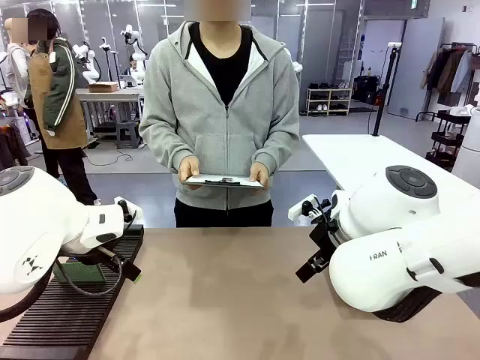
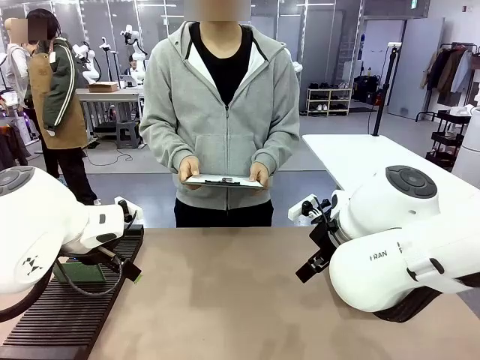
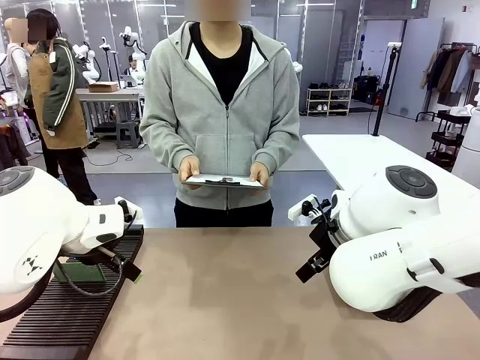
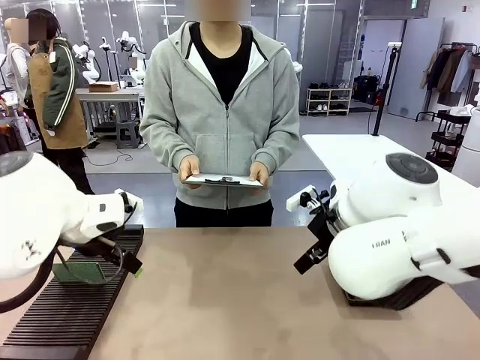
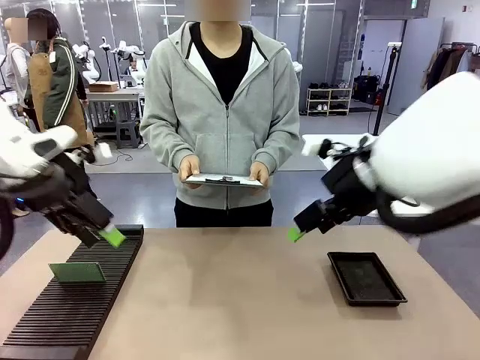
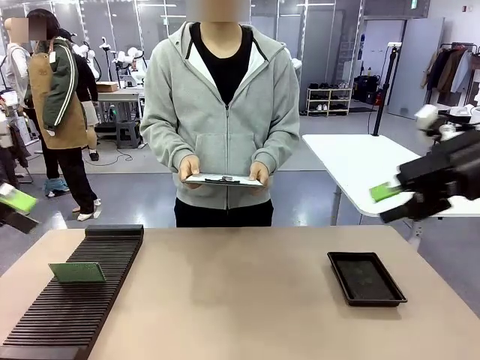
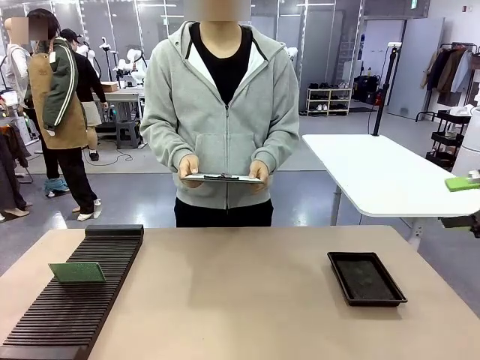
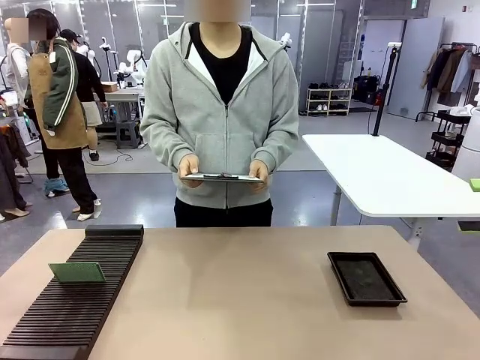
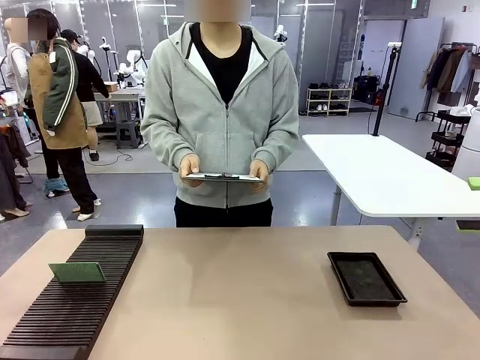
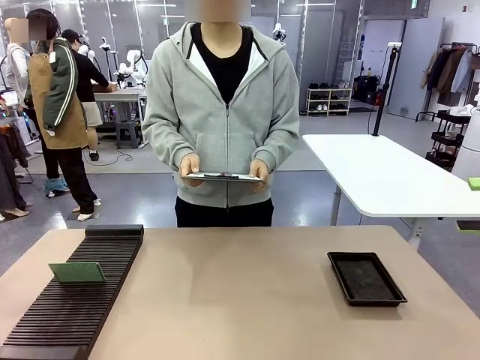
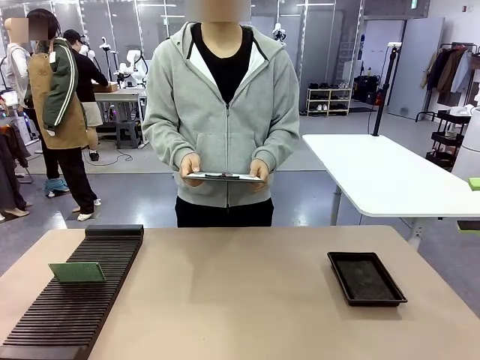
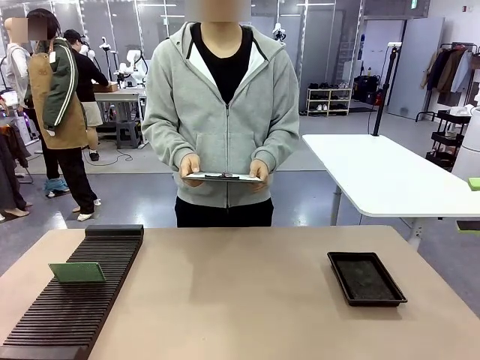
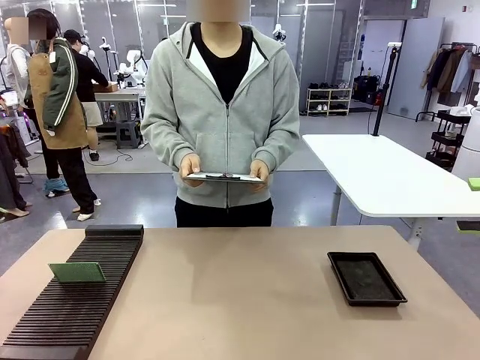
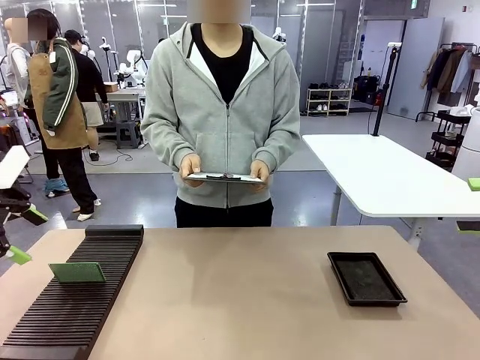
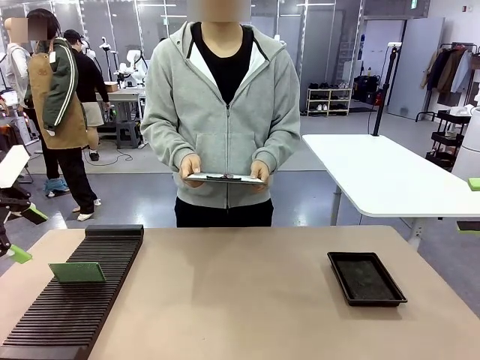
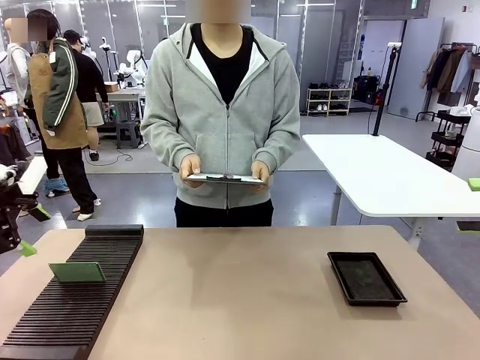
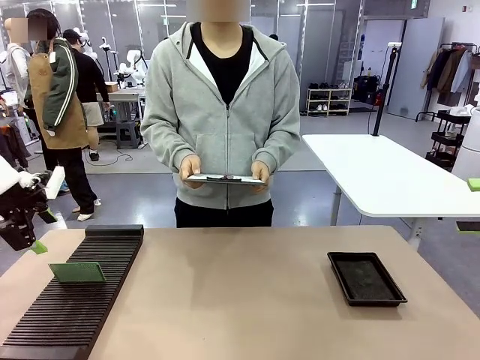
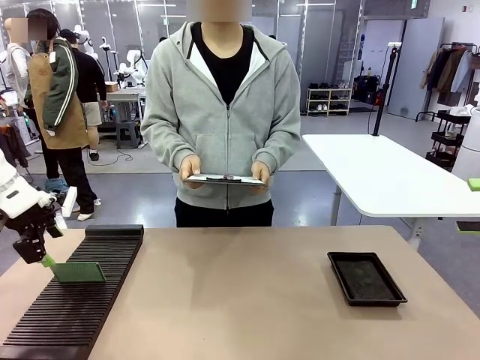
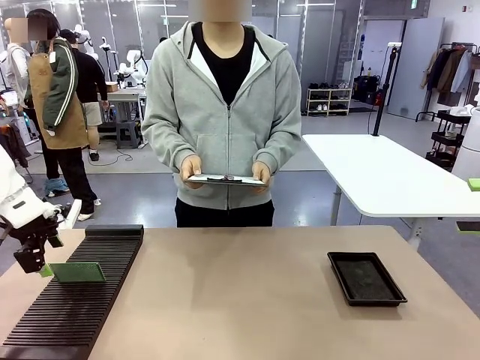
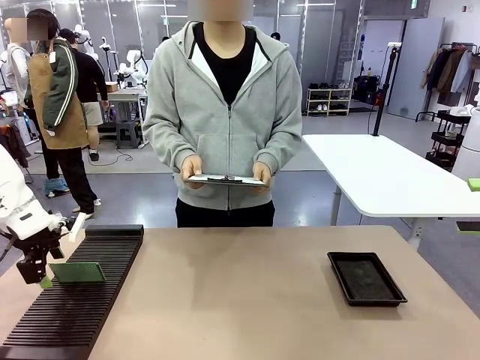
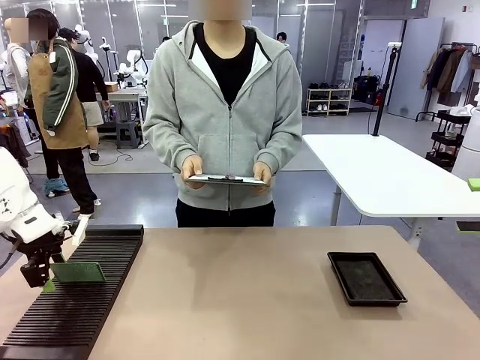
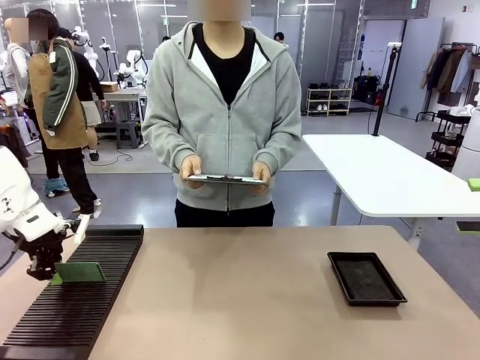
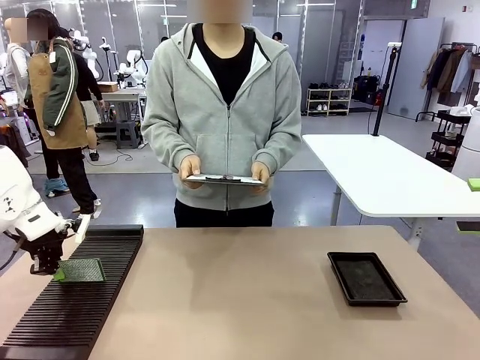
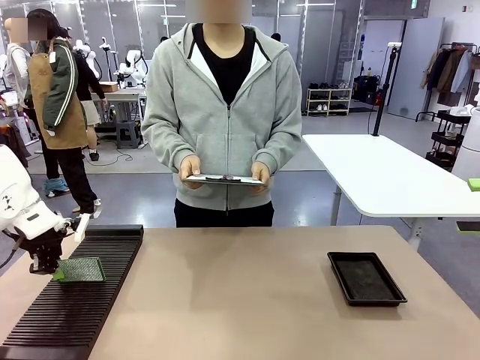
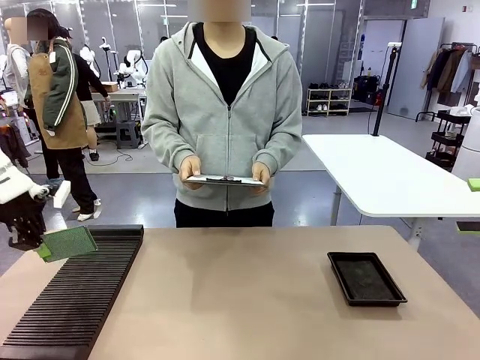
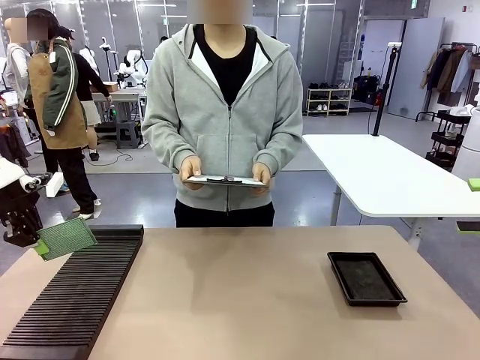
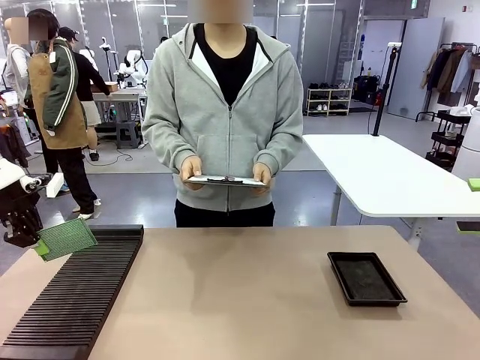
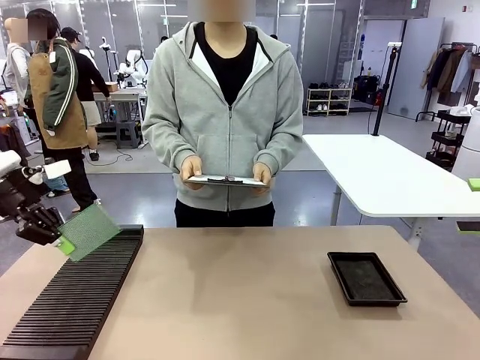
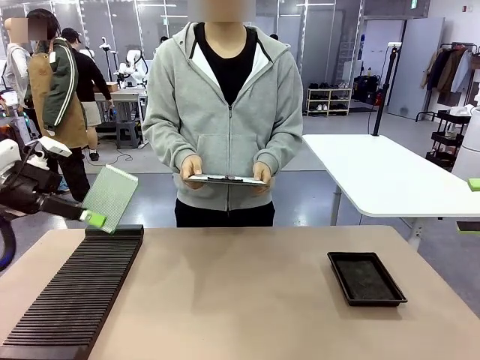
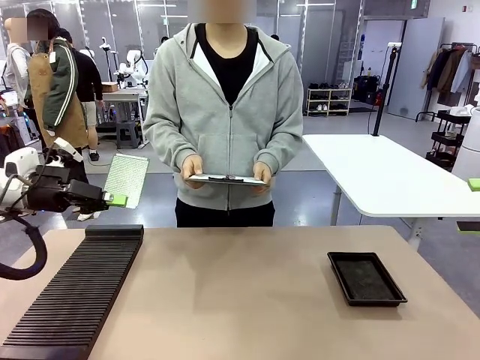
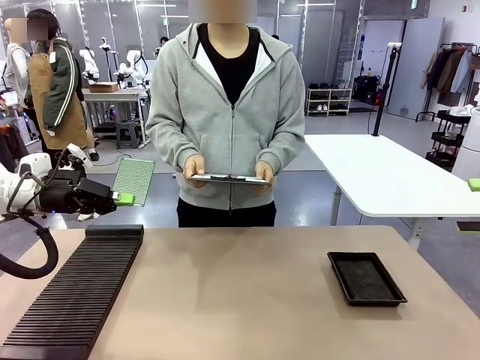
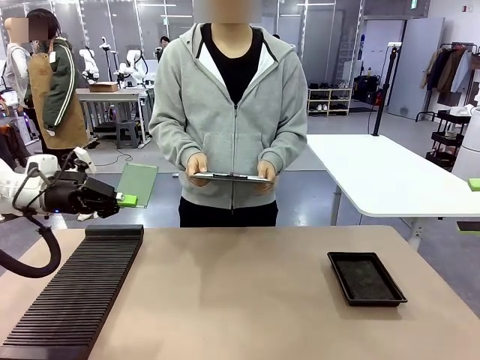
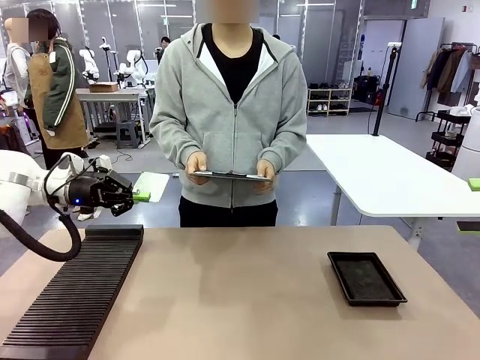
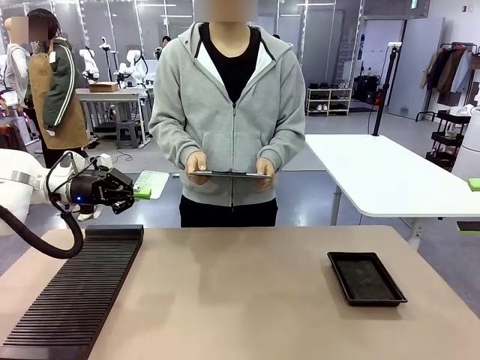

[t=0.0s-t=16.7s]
Task: Inspect the PCB.
Robot: Pick up the Blank PCB and present it to the human.
Person: Pick up the PCB presented by the robot.

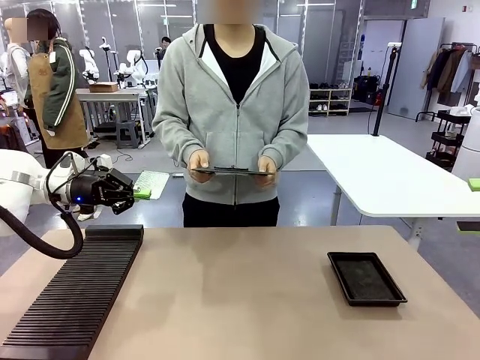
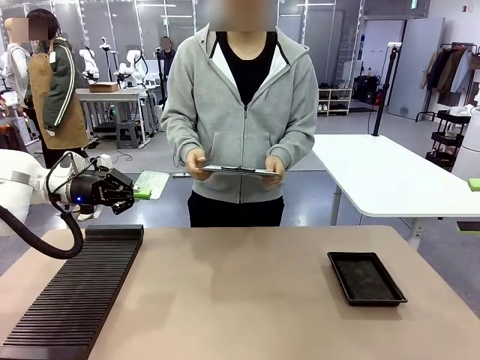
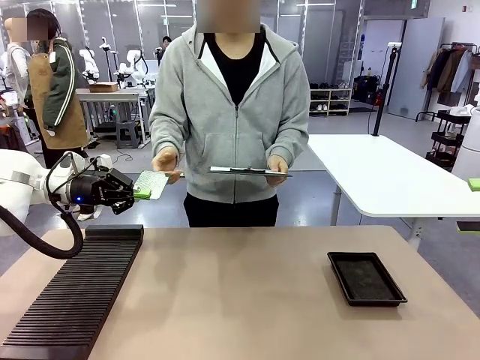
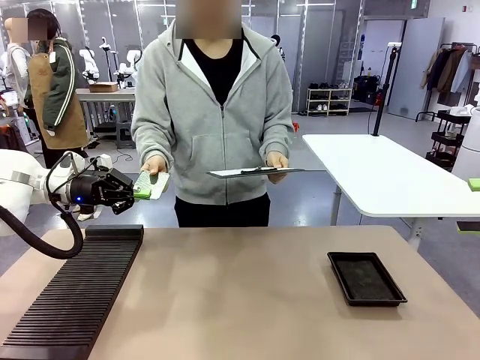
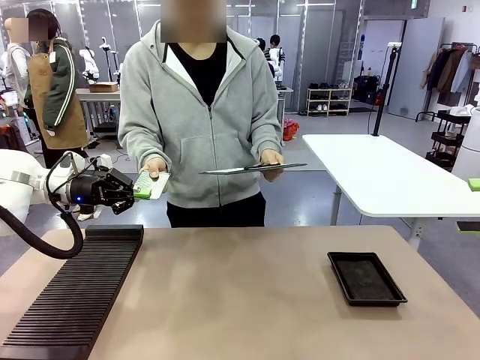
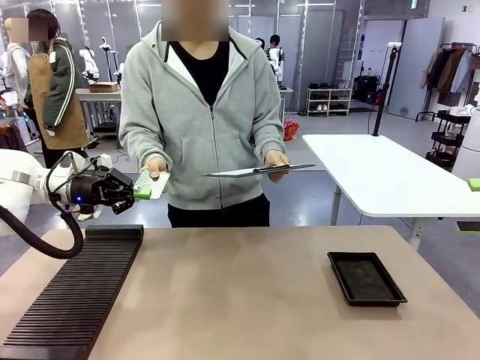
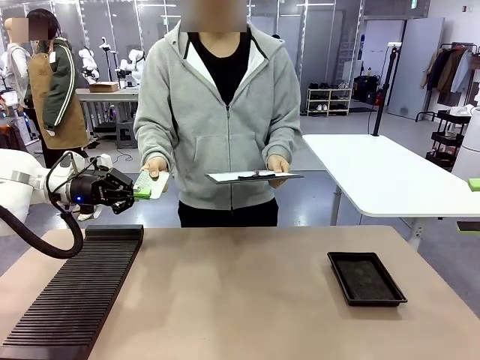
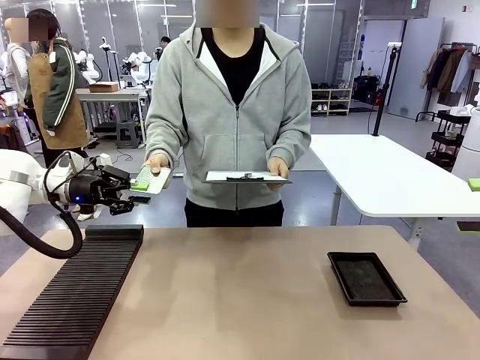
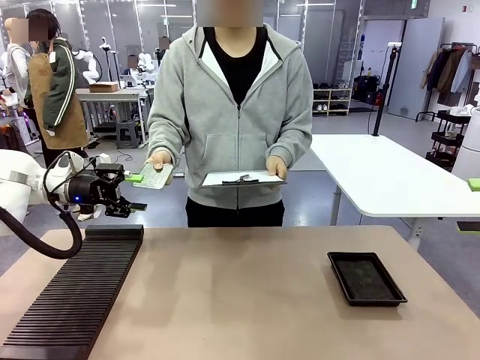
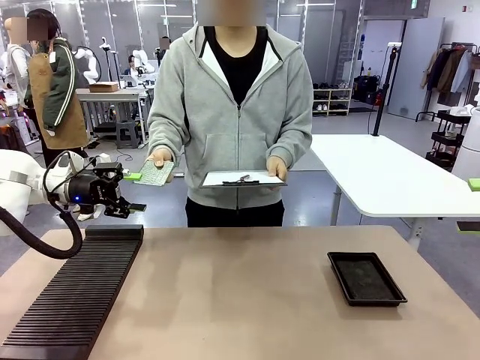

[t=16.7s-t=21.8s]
Robot: Release the Blank PCB you were holding.

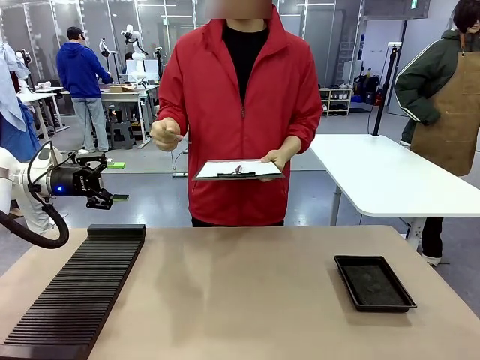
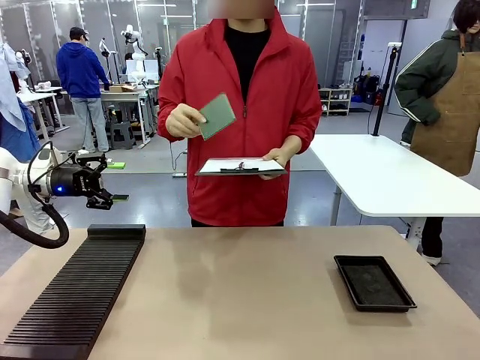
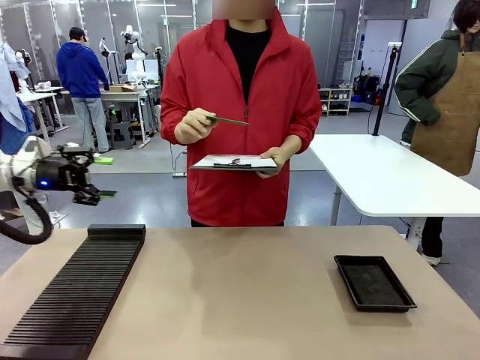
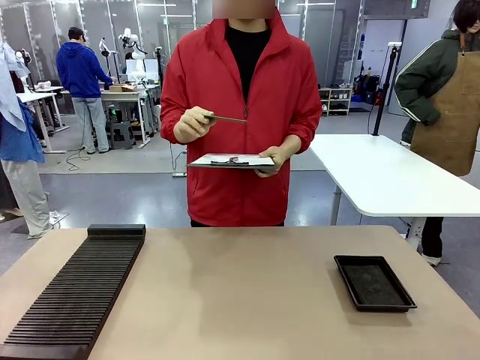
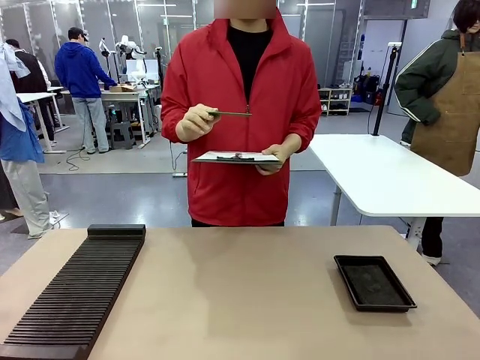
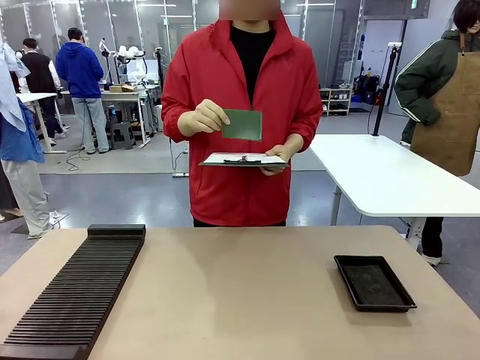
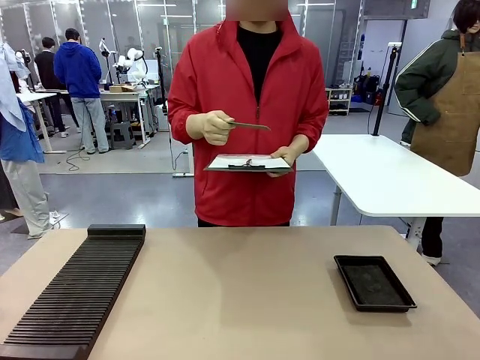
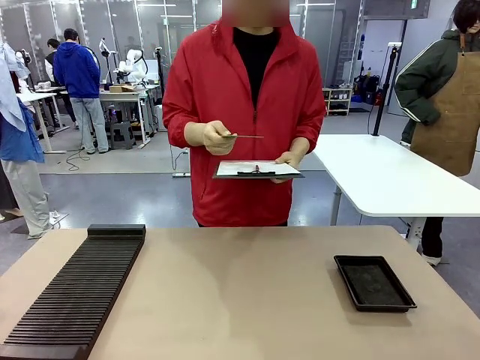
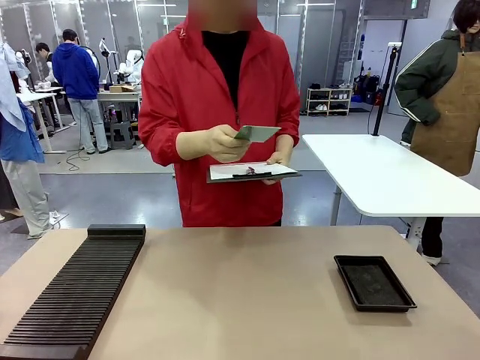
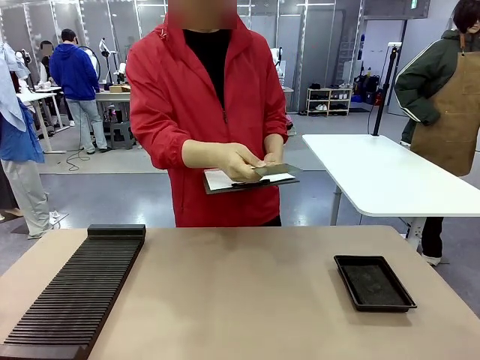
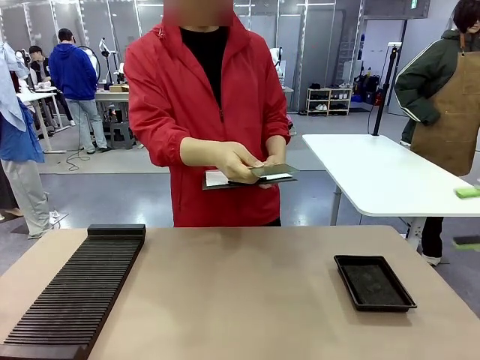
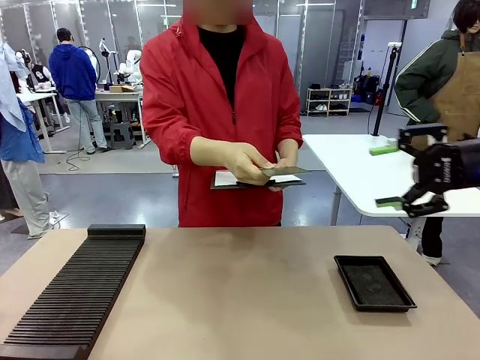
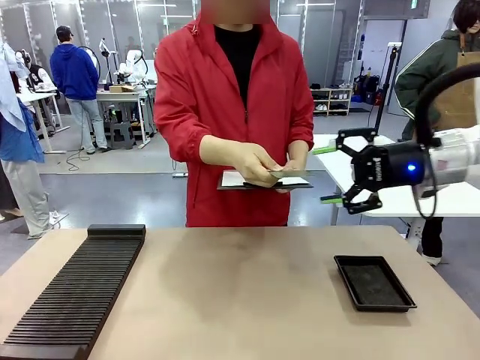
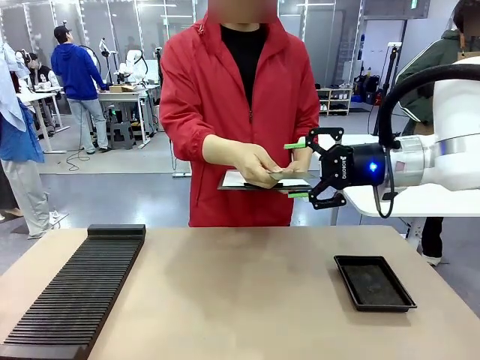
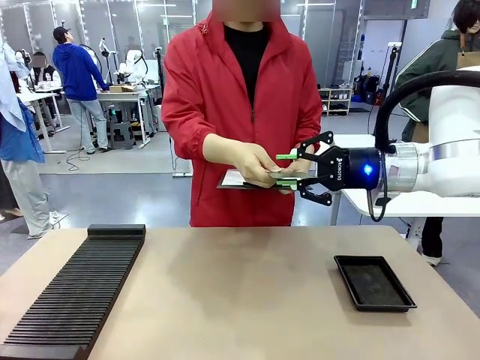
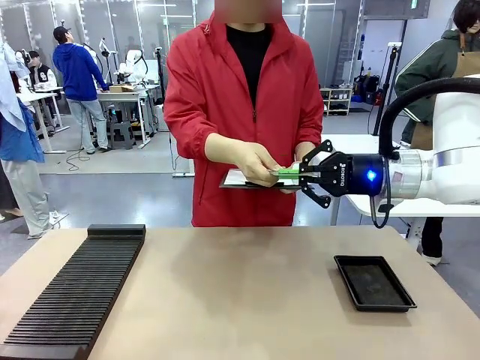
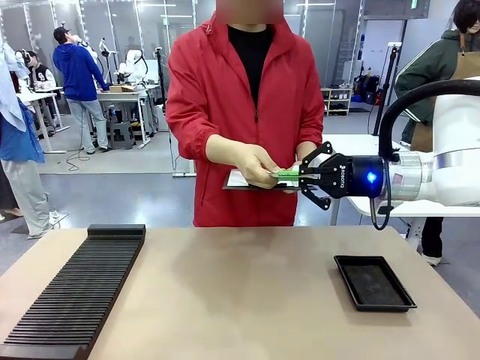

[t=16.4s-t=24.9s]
Task: Inspect the PCB.
Robot: Pick up the Blank PCB that the human is holding.
Person: Inspect the PCB placed by the robot, then hold it out in front of the robot. Release the PCB you were holding.
